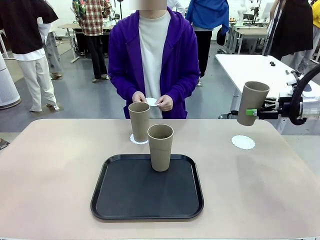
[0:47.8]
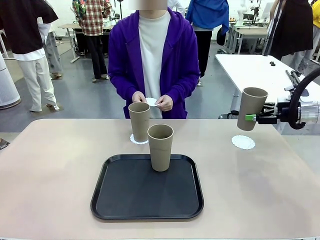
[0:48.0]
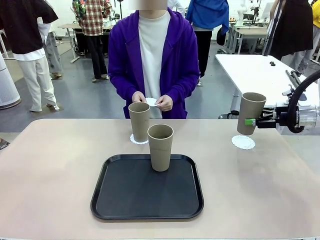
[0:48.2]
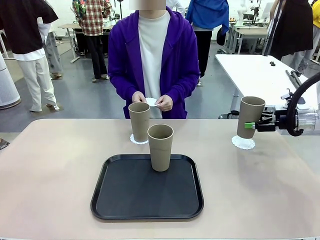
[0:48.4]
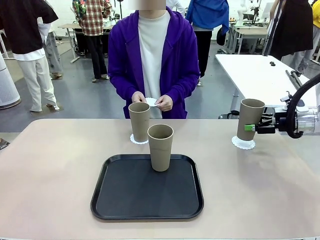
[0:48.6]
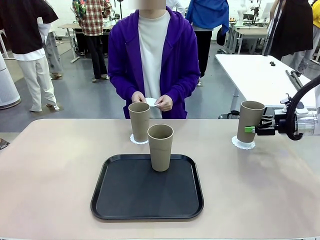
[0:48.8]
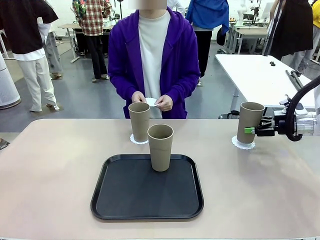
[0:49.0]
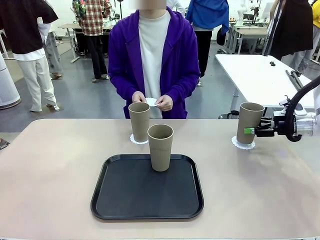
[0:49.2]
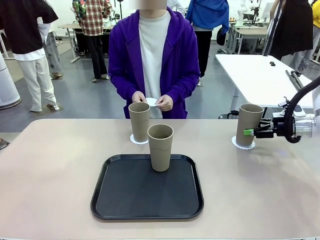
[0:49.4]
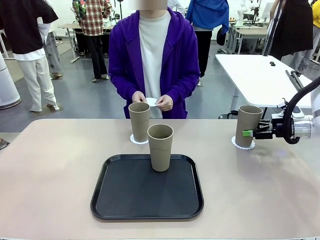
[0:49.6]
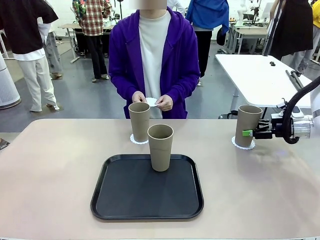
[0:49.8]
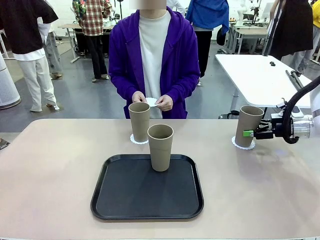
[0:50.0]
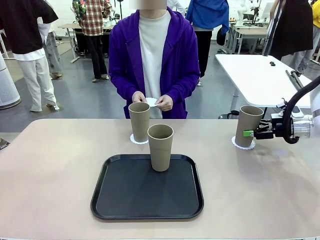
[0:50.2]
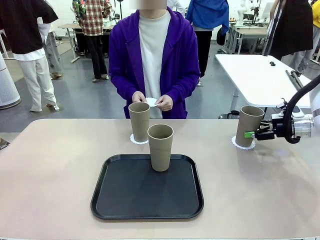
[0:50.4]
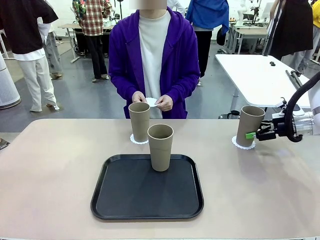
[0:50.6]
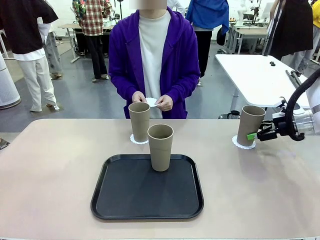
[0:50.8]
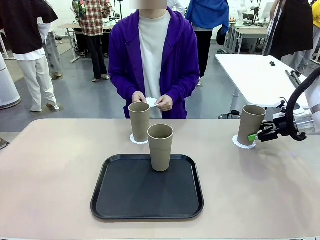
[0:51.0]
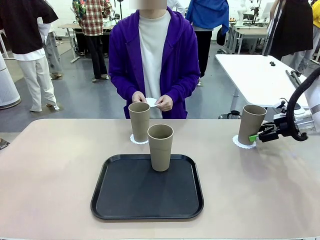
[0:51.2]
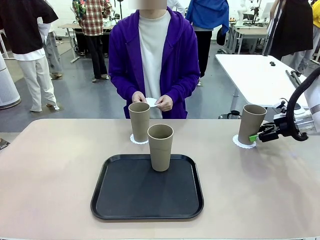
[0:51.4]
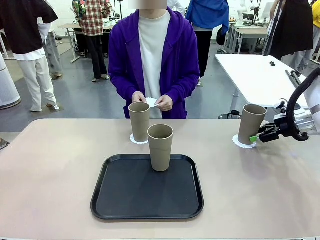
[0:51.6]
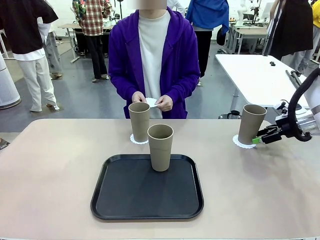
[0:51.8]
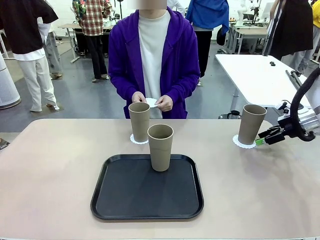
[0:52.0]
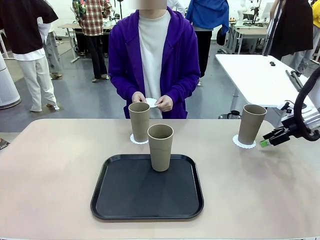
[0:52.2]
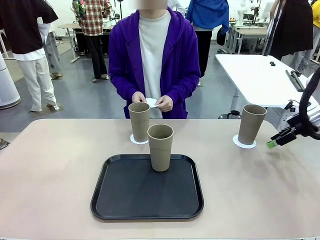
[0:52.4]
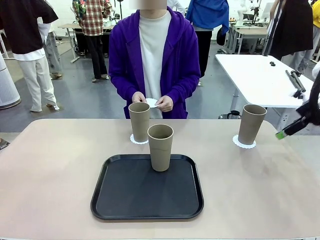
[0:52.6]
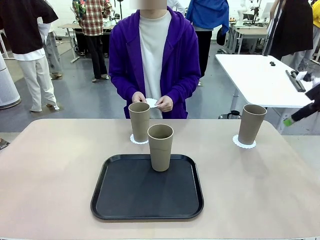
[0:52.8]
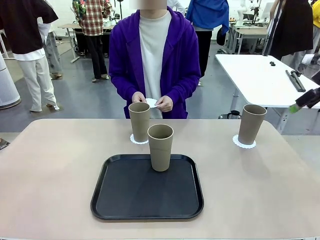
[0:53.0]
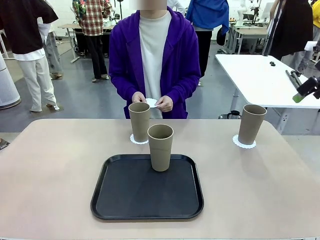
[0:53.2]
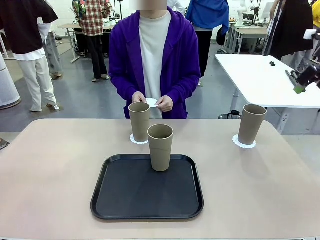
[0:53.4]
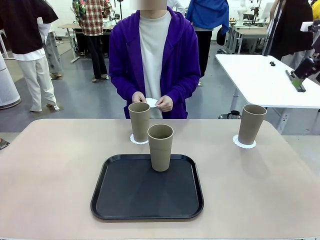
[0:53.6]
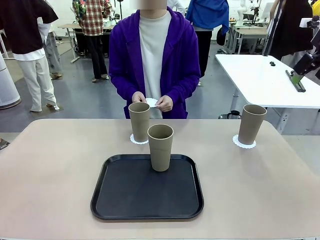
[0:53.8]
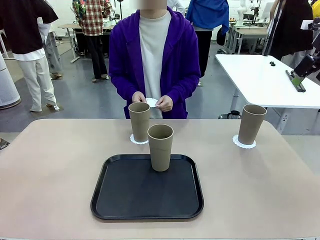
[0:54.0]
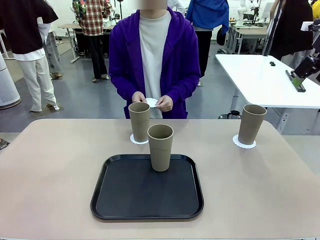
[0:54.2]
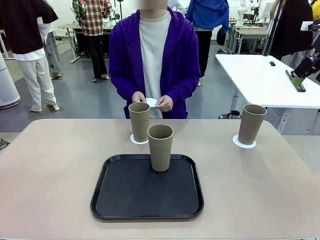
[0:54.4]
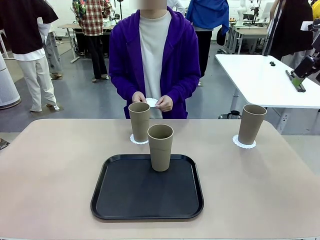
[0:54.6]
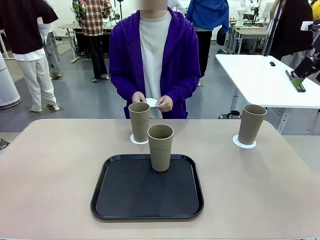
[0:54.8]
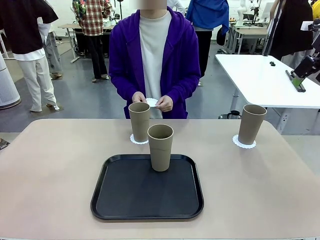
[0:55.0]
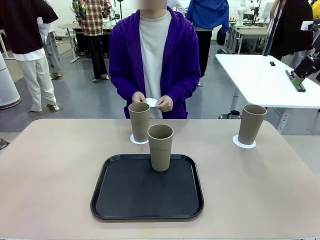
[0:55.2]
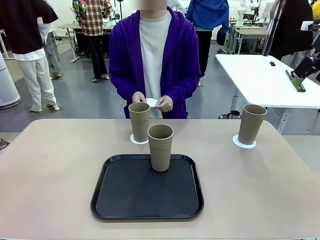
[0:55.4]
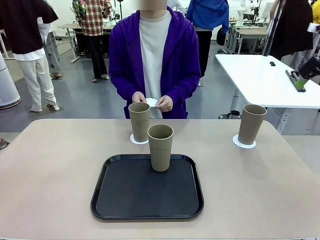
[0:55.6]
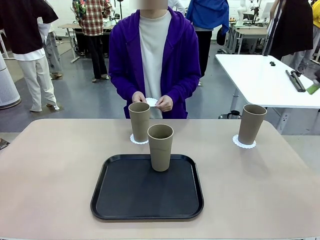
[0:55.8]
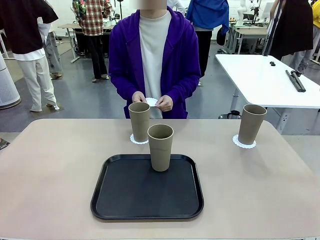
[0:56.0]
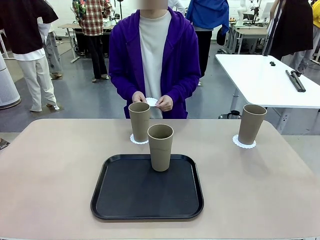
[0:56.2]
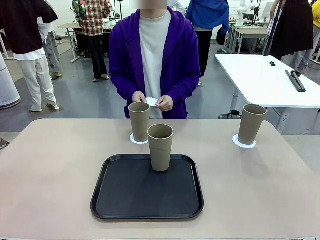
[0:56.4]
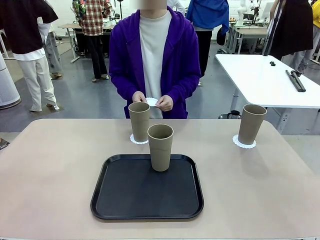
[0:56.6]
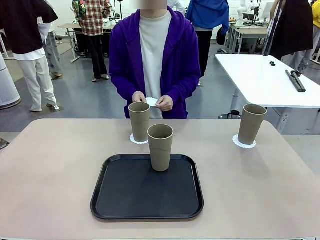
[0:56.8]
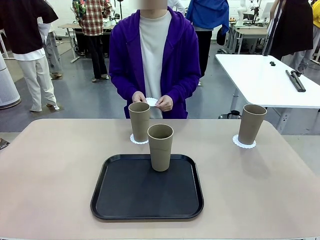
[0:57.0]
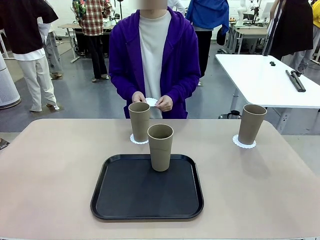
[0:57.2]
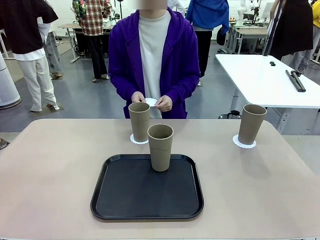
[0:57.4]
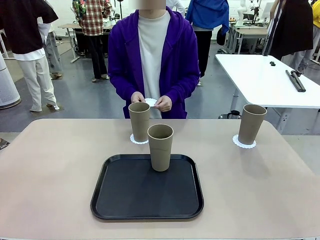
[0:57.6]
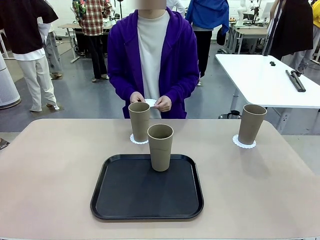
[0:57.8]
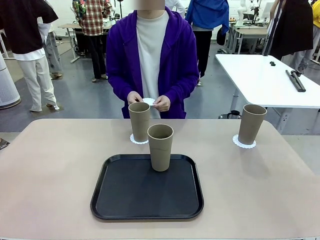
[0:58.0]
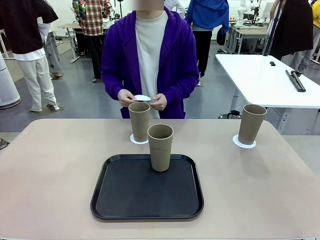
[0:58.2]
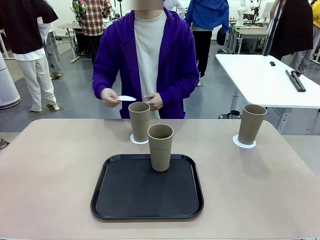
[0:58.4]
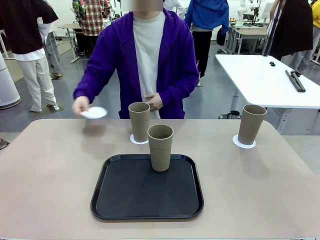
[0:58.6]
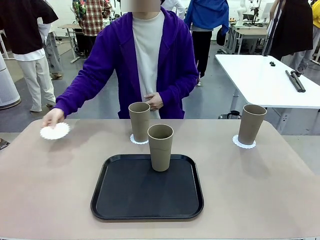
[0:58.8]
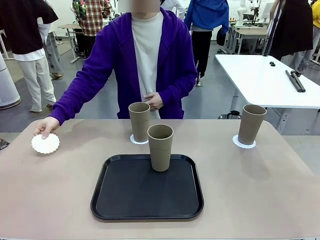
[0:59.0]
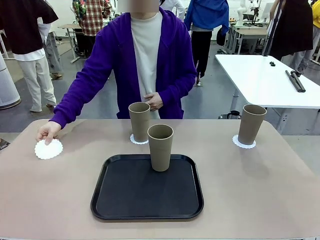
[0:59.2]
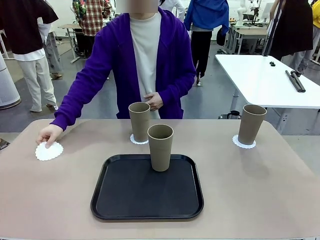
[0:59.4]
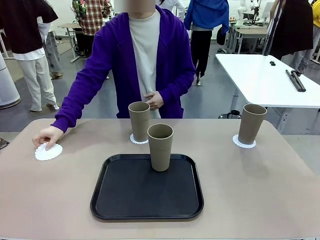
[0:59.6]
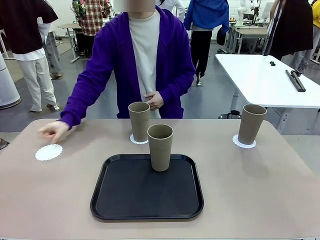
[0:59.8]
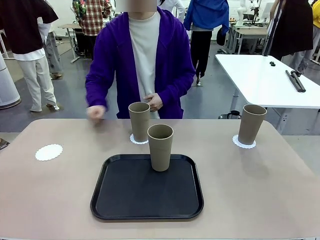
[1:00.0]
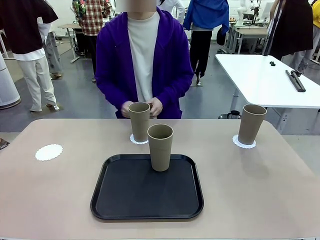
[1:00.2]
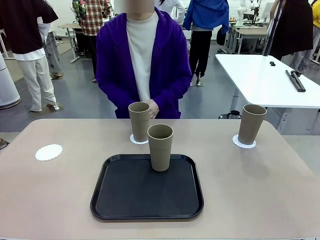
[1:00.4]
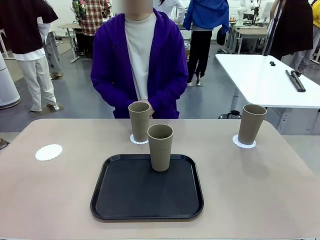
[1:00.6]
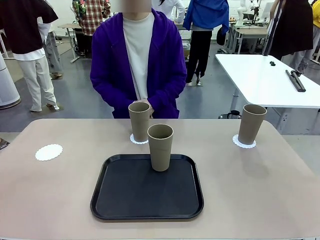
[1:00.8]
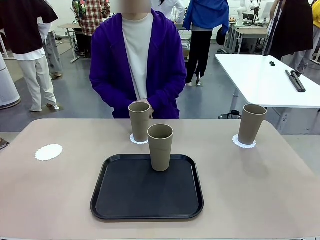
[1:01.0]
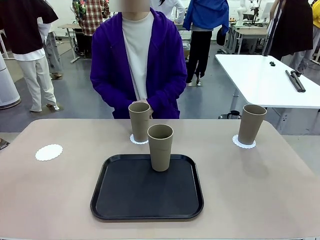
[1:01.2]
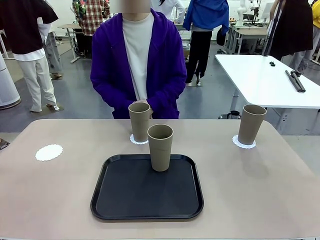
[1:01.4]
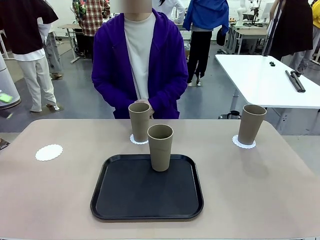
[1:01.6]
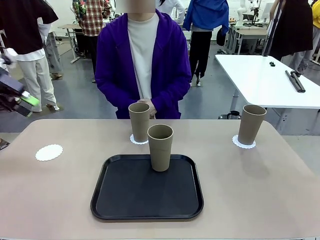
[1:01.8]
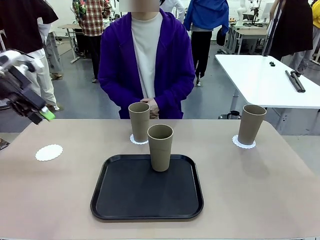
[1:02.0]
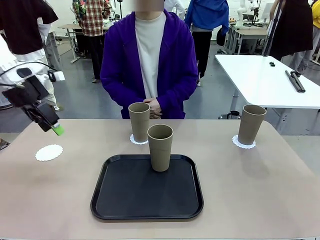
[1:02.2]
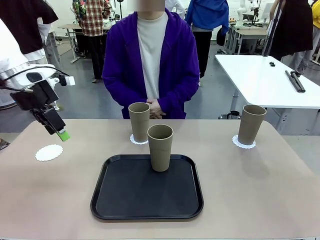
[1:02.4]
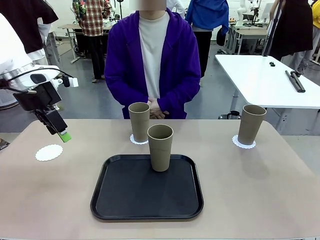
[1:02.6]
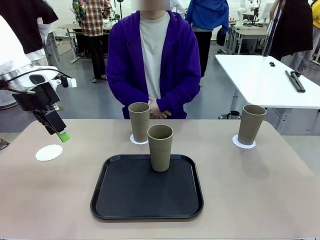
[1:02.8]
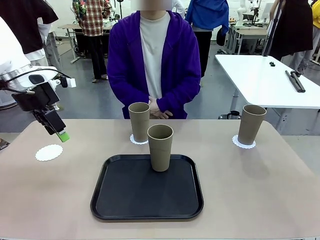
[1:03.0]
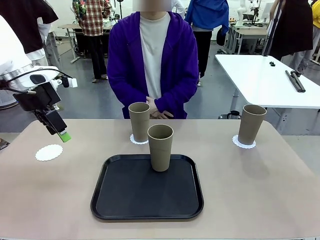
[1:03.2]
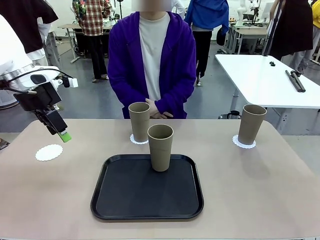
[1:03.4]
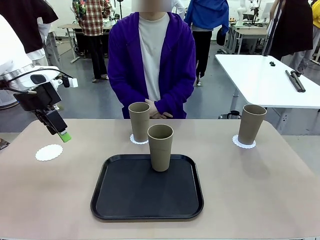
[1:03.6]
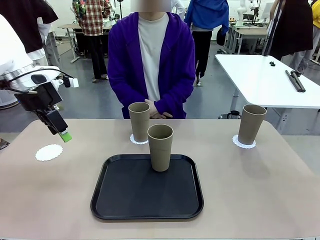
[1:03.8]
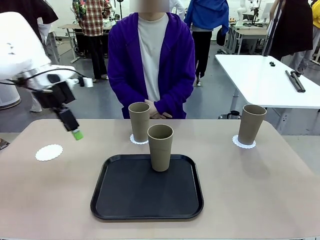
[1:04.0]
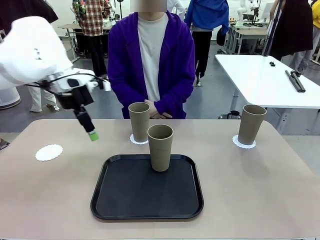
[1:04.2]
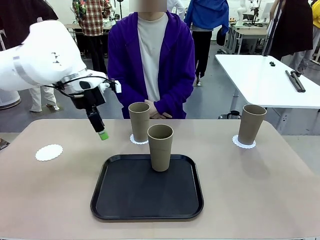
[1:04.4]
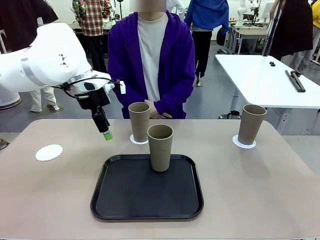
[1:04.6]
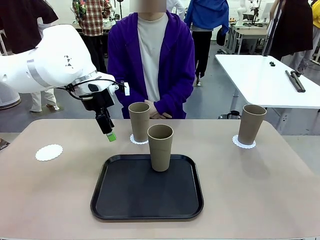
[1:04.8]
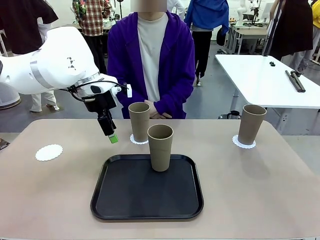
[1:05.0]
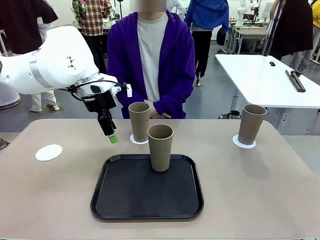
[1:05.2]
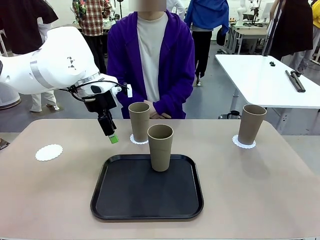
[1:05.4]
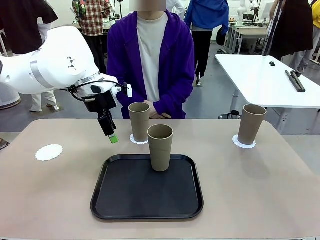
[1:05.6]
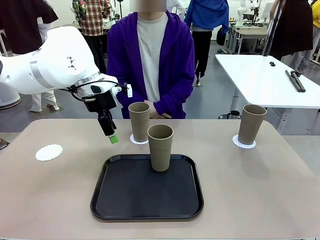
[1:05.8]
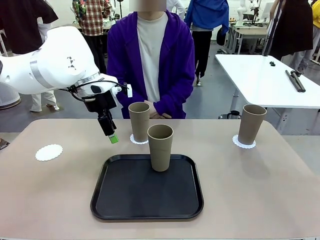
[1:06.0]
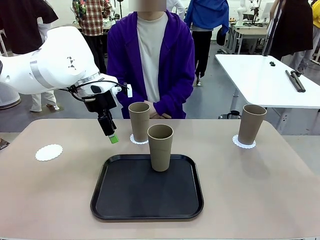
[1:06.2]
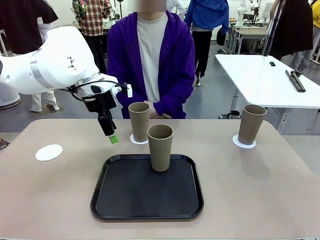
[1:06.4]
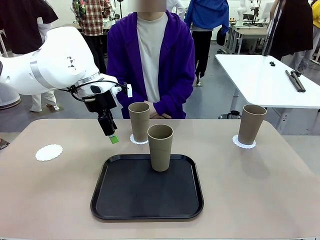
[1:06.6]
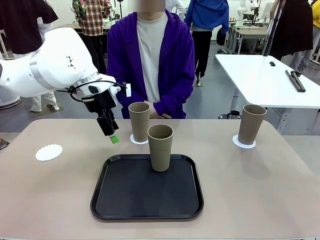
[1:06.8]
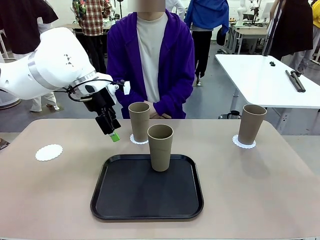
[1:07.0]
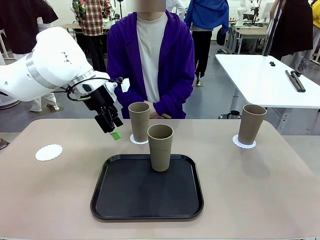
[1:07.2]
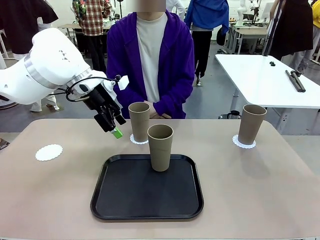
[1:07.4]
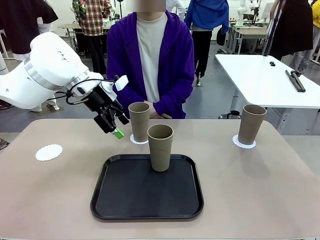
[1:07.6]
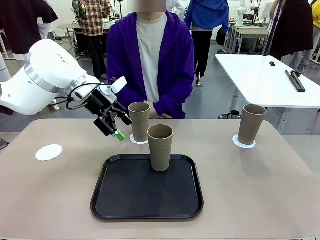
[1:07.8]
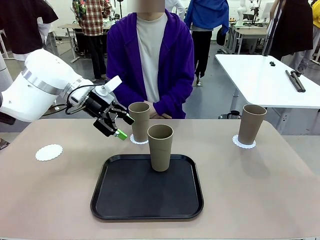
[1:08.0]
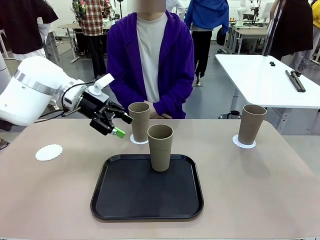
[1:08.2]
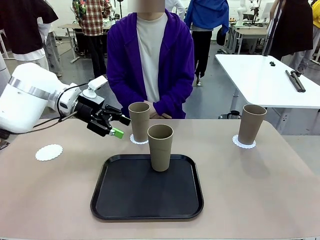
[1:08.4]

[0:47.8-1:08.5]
Task: Place coasters on the table and set cups on them.
Robot: Take one Reusable plastic cup from the Flat Tray and place it on a coaster set by the human.
